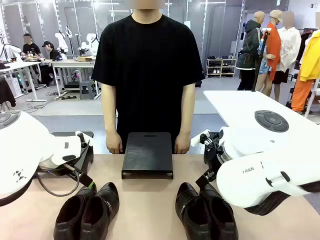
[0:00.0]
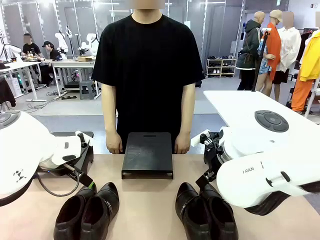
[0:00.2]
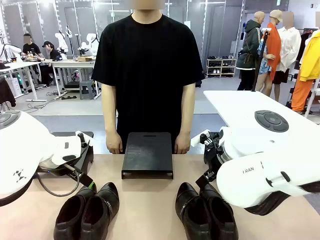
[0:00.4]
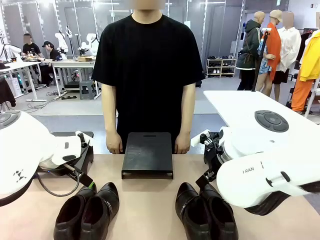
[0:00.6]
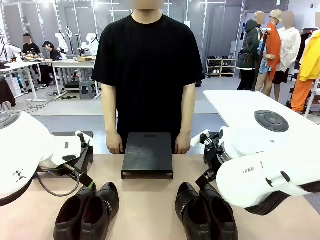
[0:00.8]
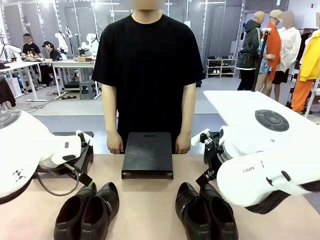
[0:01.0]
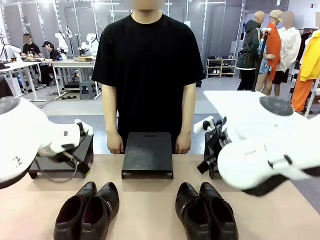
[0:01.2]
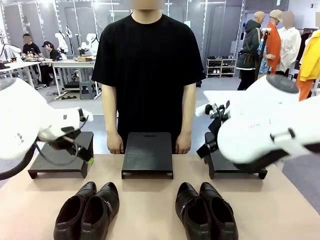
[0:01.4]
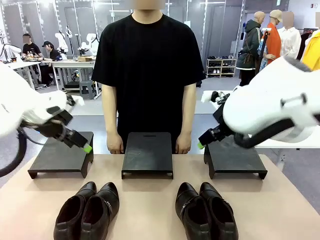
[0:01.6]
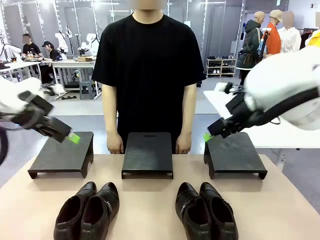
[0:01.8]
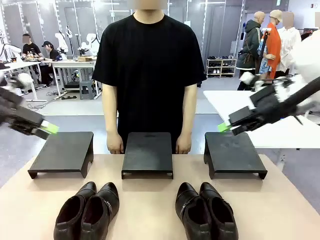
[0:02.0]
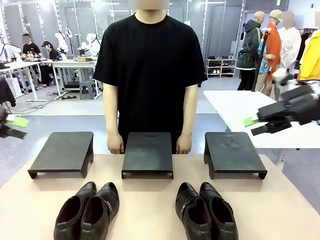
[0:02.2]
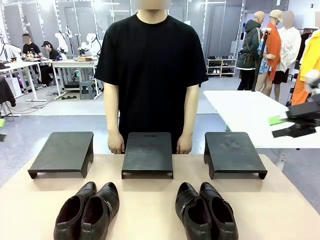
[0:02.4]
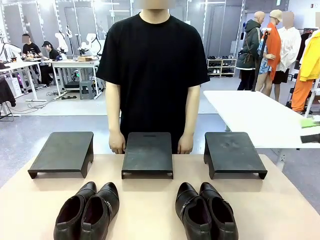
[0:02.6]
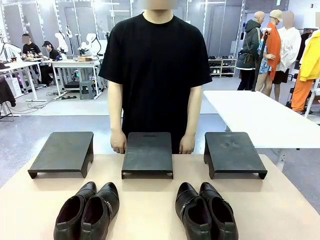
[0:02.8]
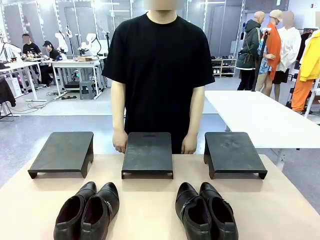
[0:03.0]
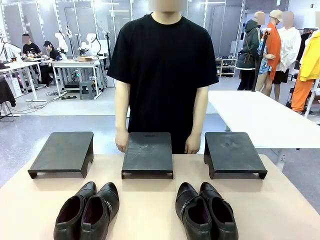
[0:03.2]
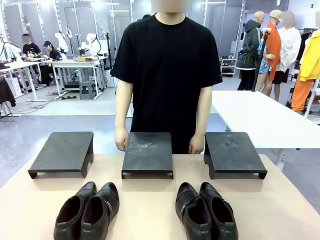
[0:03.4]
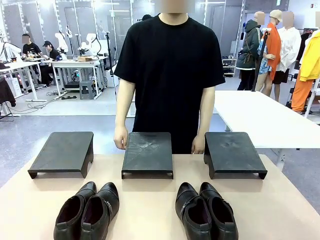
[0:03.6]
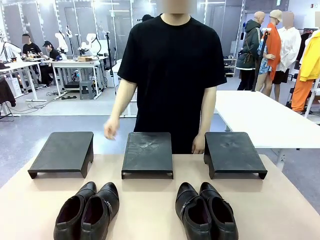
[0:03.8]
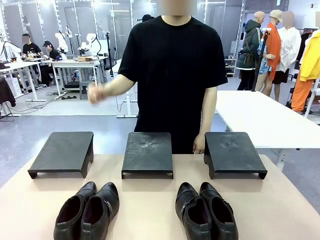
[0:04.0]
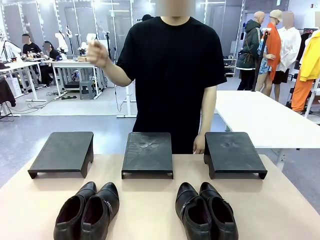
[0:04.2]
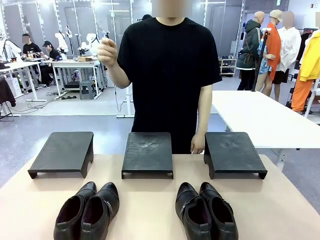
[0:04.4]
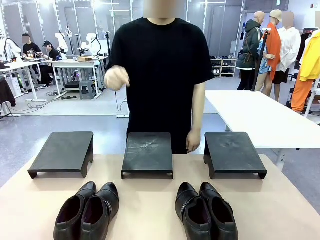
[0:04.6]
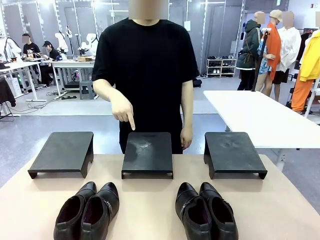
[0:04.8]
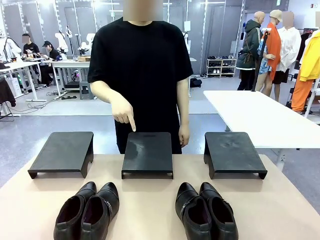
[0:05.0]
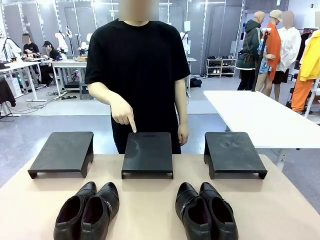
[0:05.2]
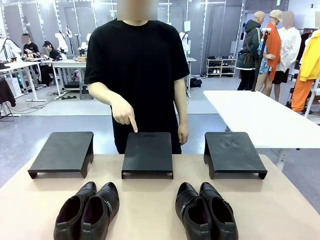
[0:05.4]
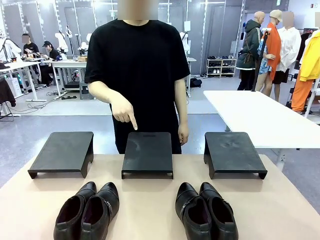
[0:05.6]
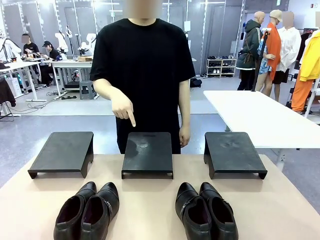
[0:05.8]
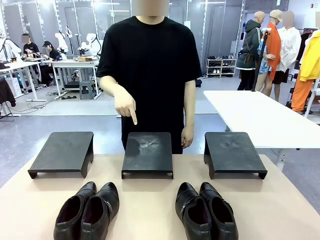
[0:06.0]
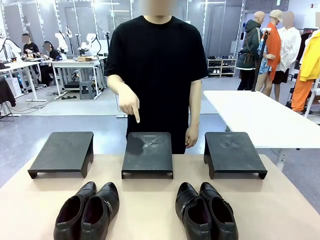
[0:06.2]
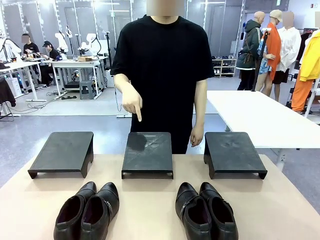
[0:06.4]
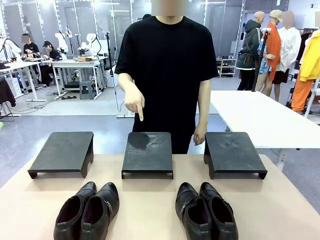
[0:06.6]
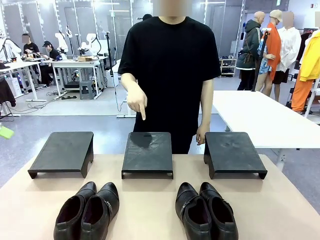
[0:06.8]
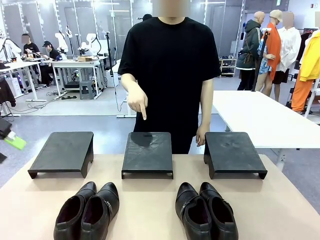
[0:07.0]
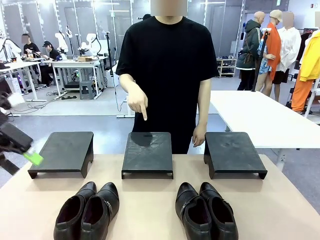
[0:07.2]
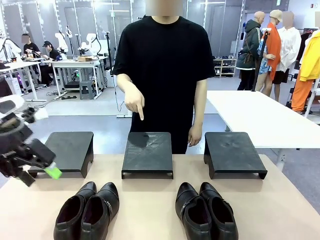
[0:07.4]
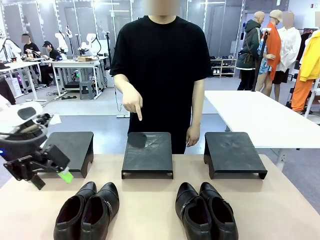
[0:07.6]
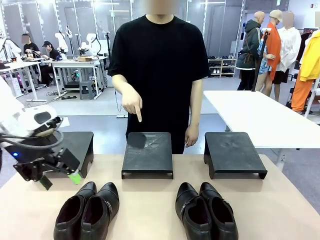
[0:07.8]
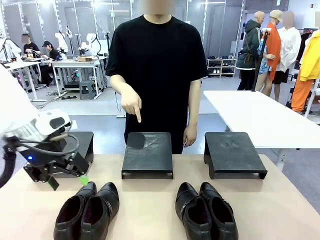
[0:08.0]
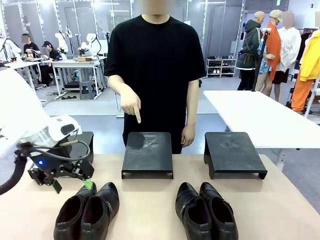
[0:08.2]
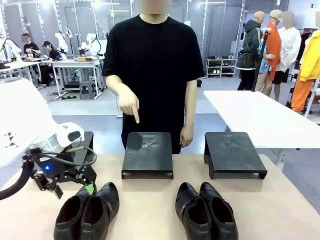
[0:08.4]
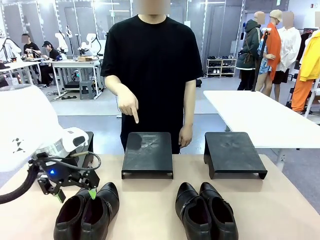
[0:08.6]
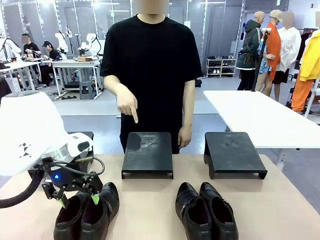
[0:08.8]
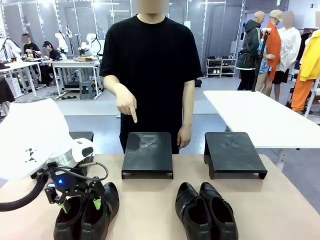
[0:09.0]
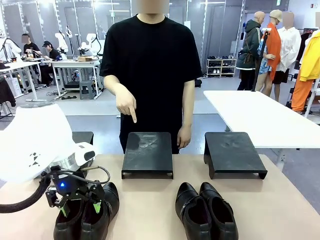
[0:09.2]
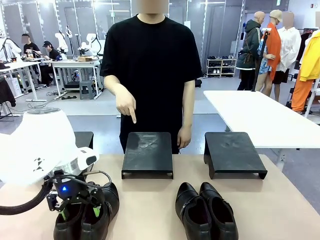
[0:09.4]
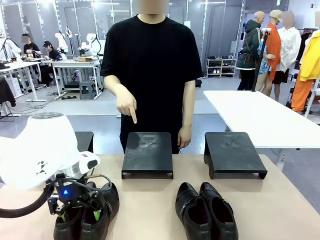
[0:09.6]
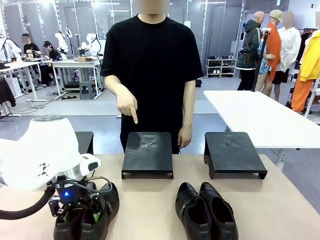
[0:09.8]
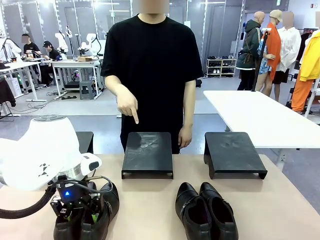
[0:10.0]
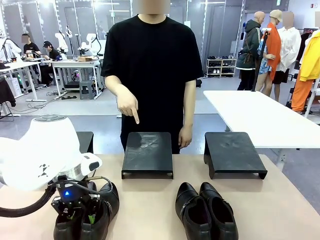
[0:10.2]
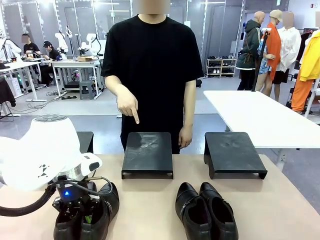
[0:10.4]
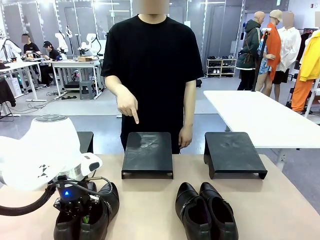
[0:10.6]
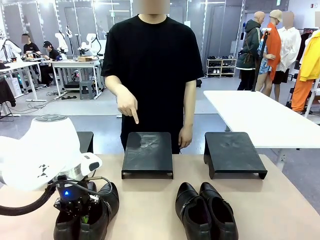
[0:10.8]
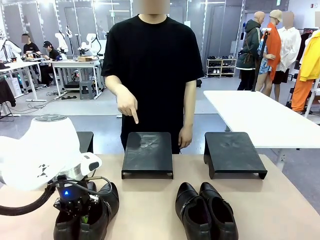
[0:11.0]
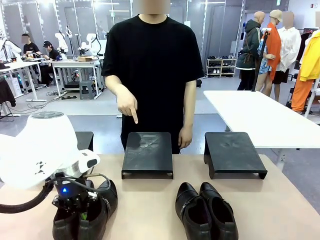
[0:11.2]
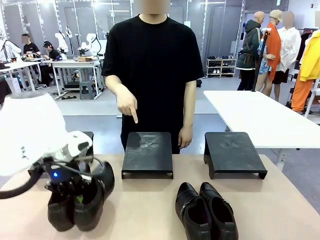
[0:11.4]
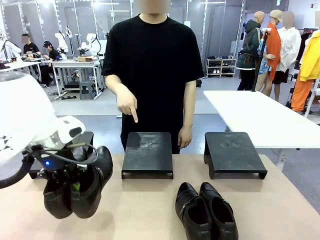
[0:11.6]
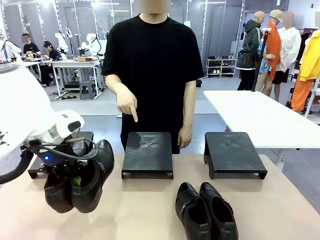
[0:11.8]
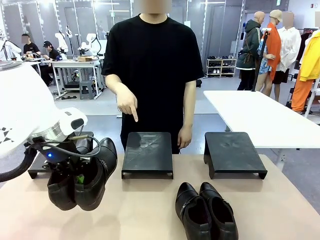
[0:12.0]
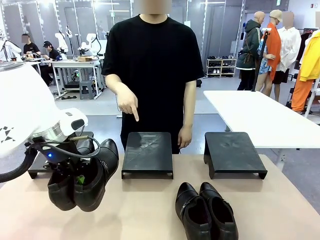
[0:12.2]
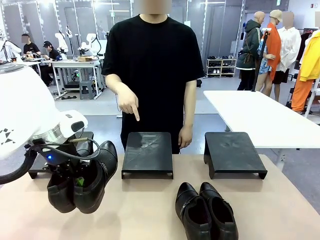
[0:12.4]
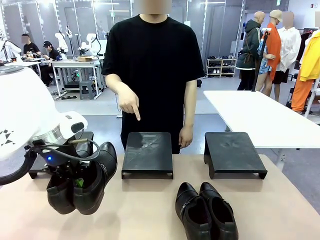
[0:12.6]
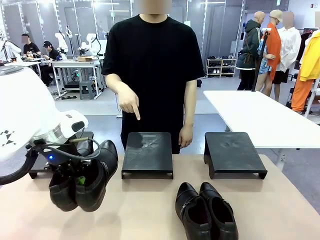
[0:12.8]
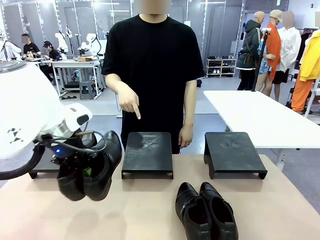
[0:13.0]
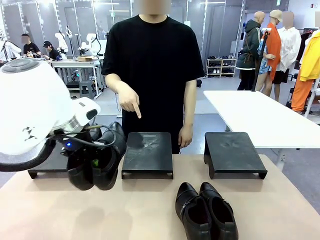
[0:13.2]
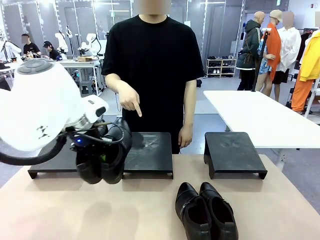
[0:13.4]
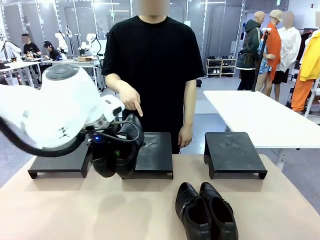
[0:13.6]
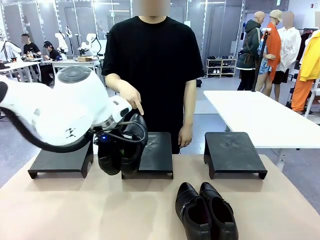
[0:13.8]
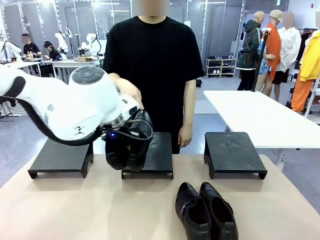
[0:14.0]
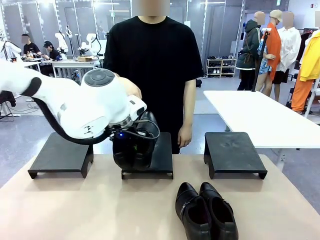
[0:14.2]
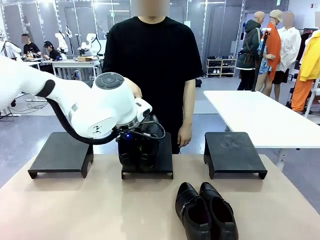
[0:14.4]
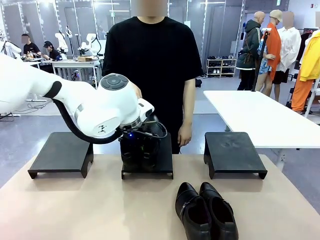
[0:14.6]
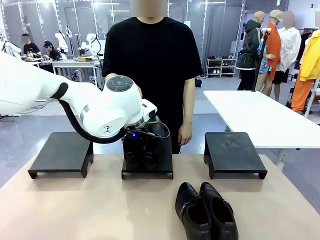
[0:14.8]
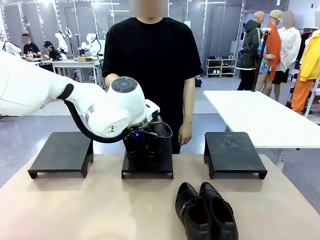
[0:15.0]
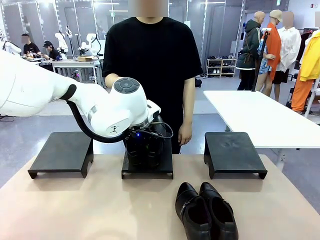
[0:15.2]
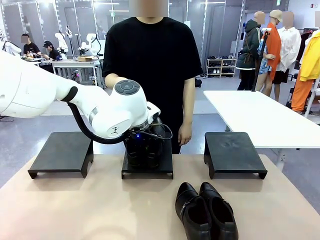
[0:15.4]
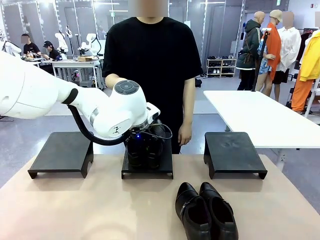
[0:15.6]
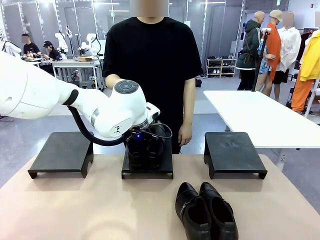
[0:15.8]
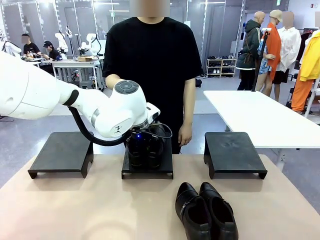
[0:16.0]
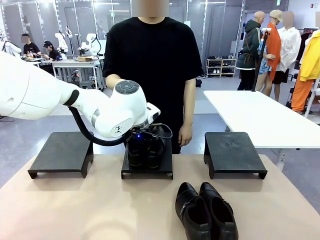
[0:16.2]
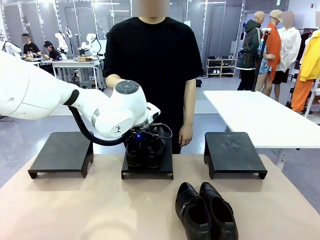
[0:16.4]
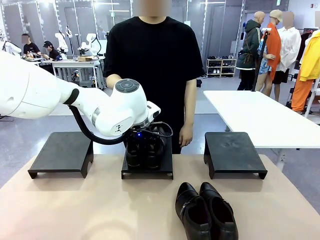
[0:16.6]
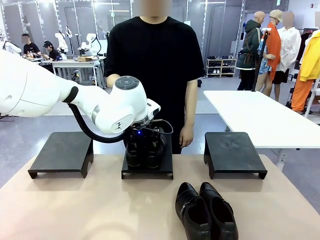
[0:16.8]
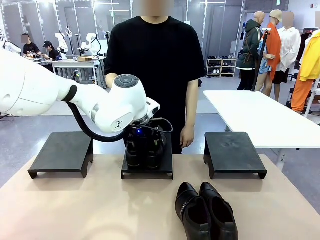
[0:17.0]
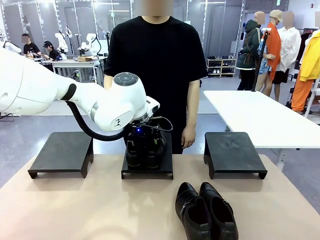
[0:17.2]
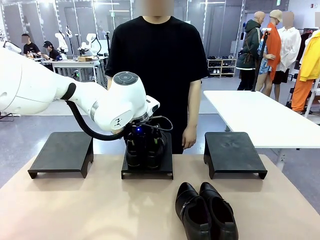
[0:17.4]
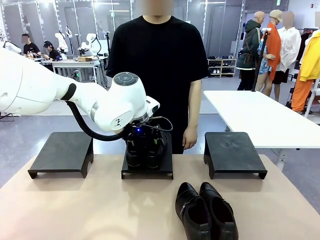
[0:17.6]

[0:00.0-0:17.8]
Task: Place the shoes on the stand as instructed by the person.
Robot: Pick up one pair of Shoes and place it on the Shoes Stand indicated by the person.
